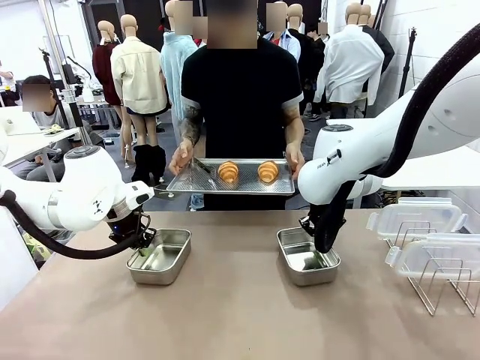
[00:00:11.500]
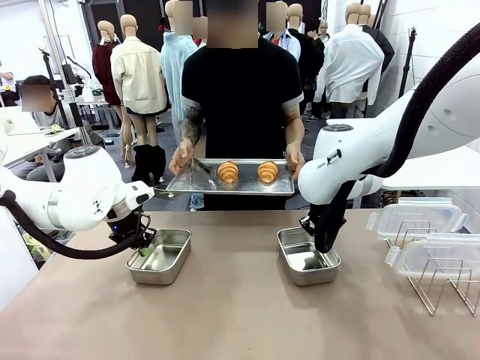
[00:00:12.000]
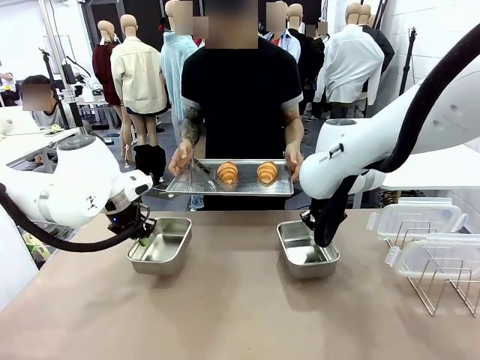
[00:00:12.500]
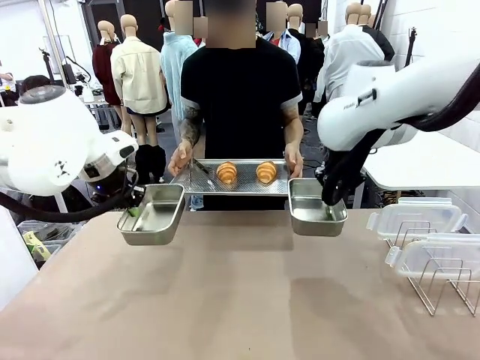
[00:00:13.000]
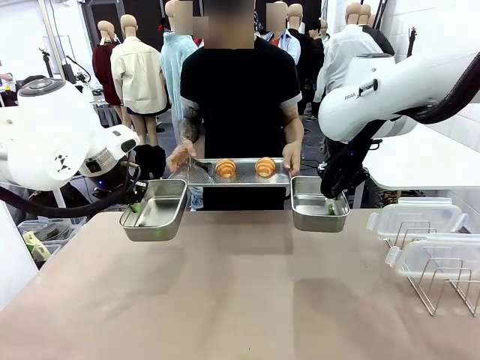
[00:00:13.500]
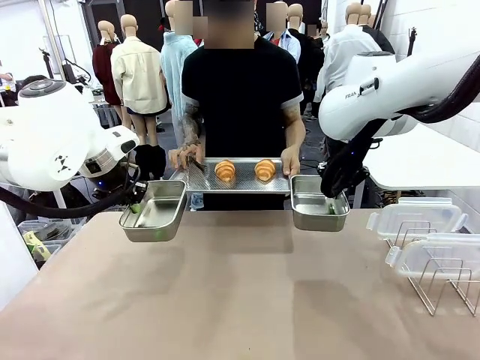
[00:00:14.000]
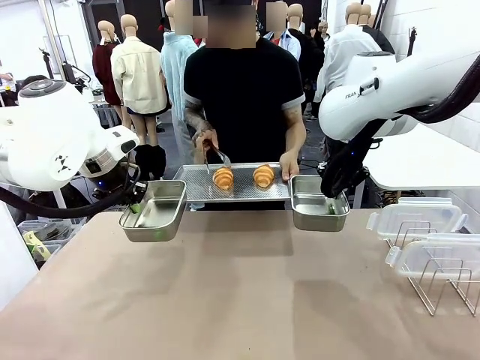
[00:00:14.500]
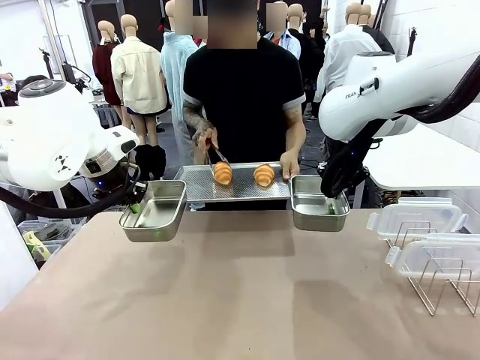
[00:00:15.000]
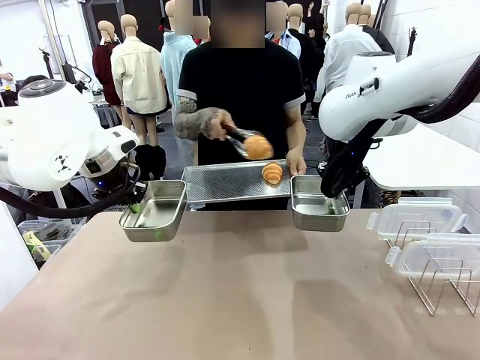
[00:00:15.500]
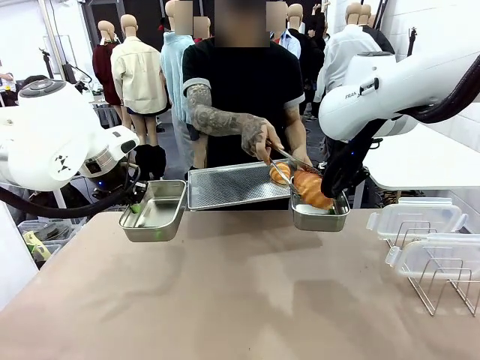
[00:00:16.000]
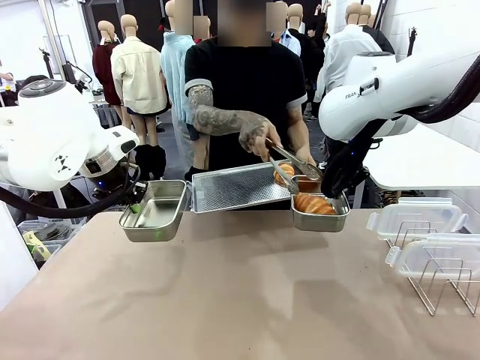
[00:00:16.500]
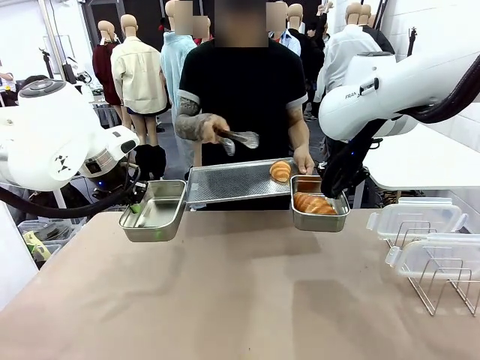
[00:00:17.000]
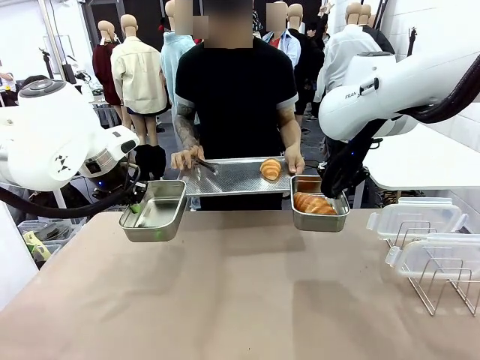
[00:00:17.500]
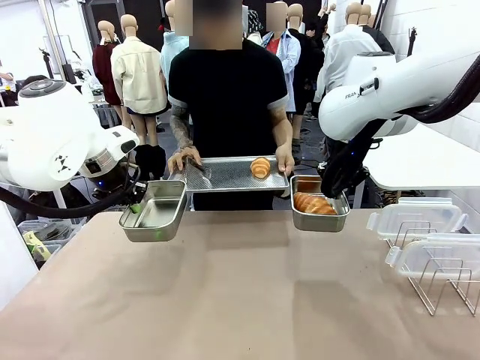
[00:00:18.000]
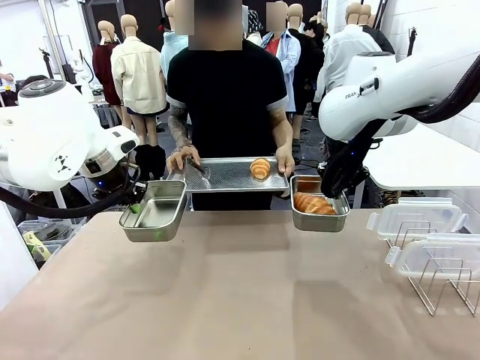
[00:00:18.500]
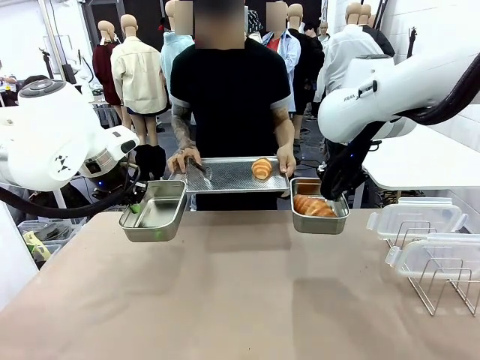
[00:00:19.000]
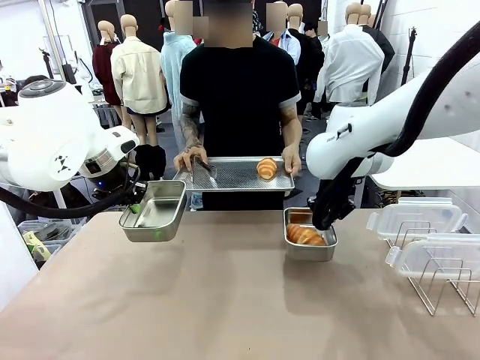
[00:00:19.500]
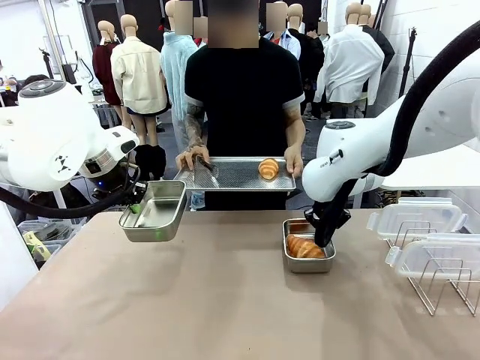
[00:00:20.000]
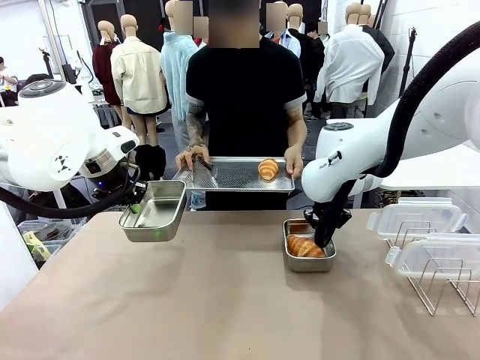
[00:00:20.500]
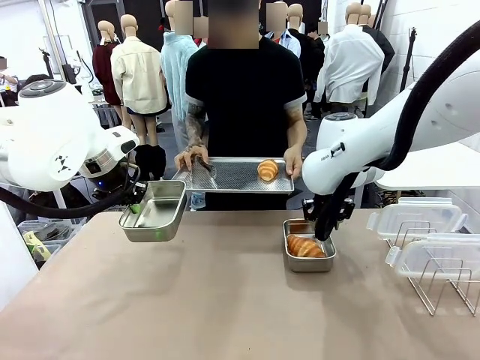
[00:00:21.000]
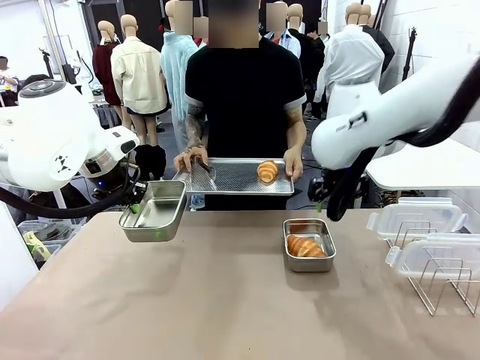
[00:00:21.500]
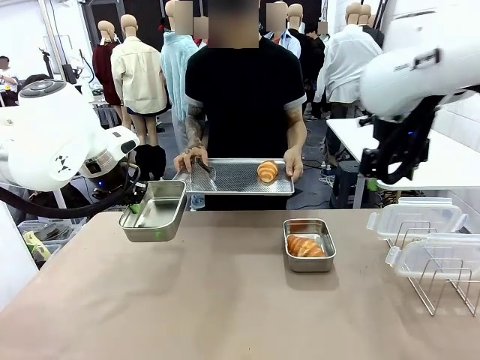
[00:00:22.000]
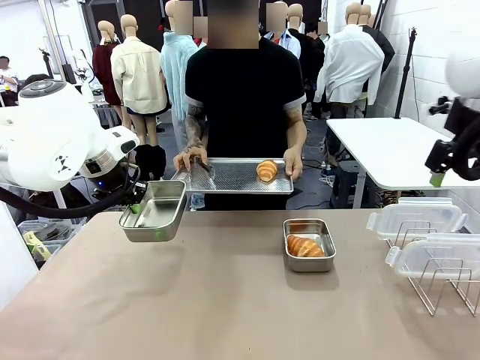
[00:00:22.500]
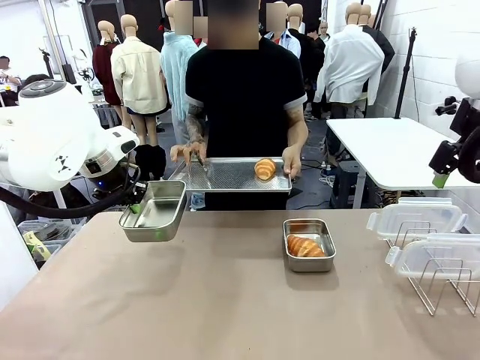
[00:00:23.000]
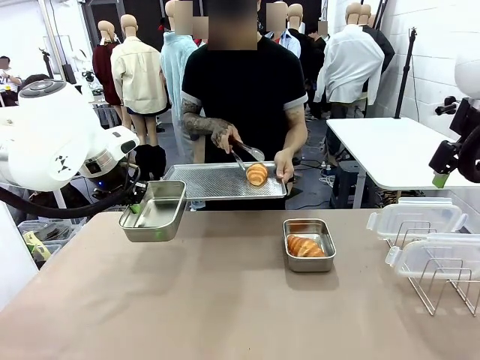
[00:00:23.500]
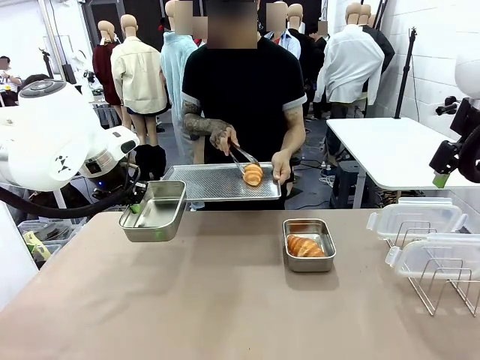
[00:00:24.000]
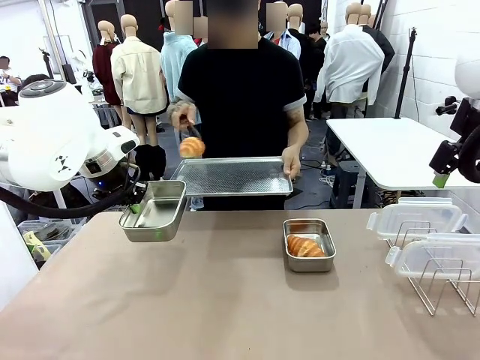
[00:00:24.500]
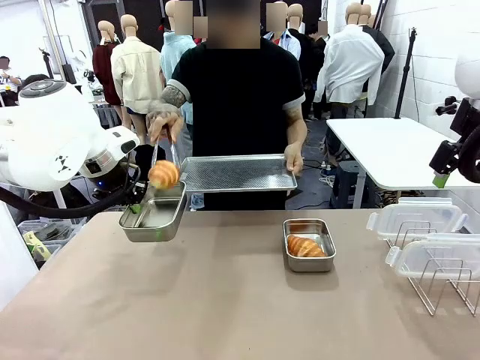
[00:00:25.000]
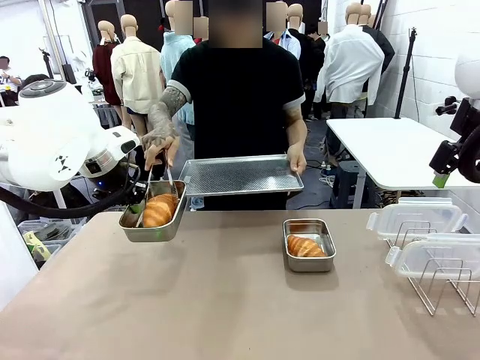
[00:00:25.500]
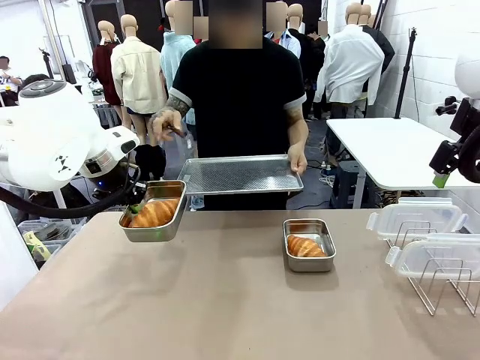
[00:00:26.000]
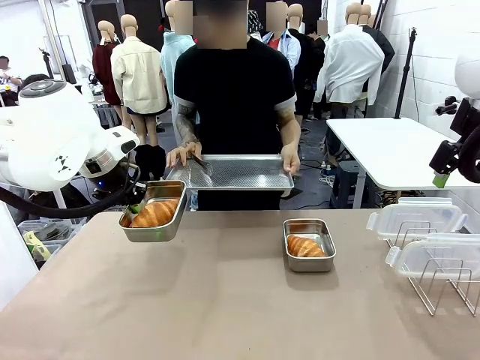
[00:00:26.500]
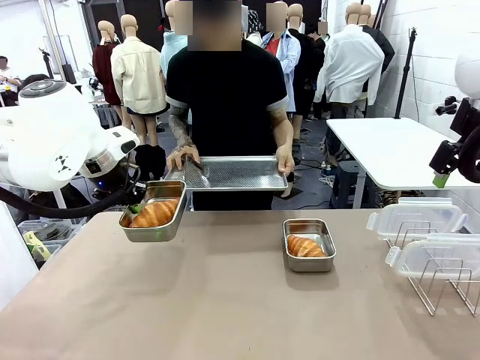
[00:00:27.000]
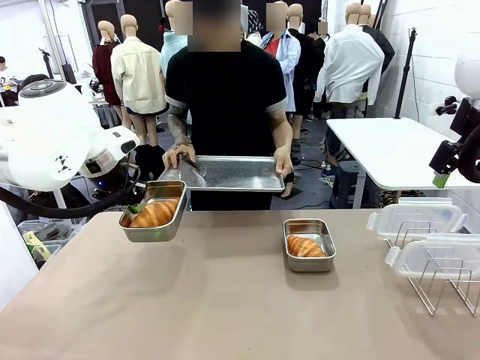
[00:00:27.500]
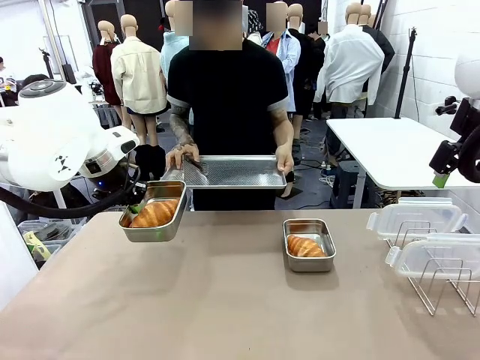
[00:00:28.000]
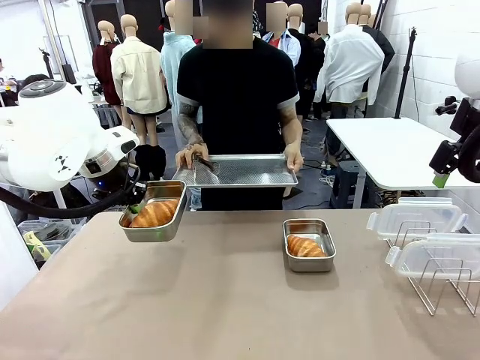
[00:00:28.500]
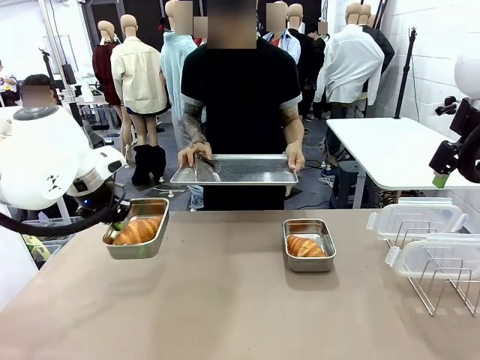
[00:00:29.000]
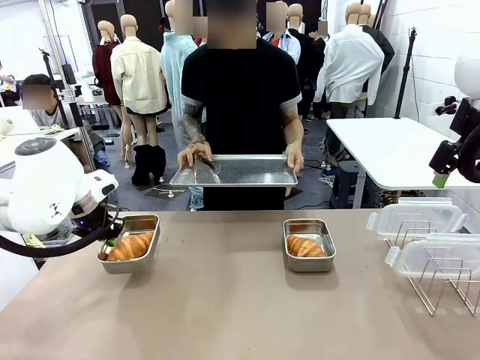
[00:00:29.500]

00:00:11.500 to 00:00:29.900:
Task: Place the bread in airtight containers.
Robot: Once an object is inside an Airtight Container , place the container in the center of the table.
Person: Use the Stainless steel tongs to place one object from Baking Sheet into one Airtight Container.

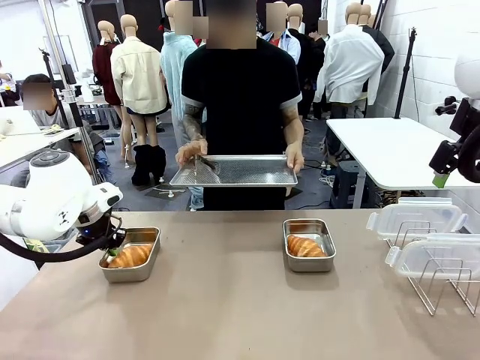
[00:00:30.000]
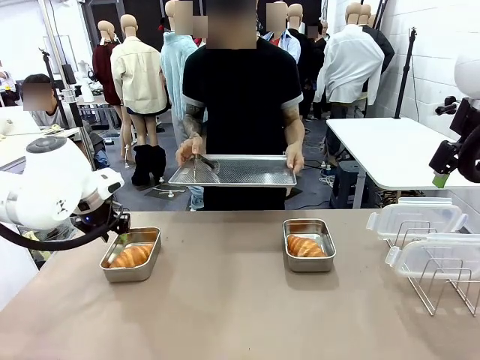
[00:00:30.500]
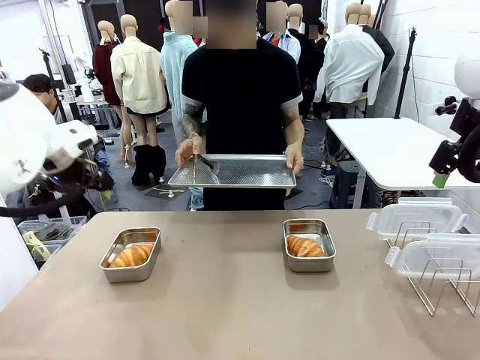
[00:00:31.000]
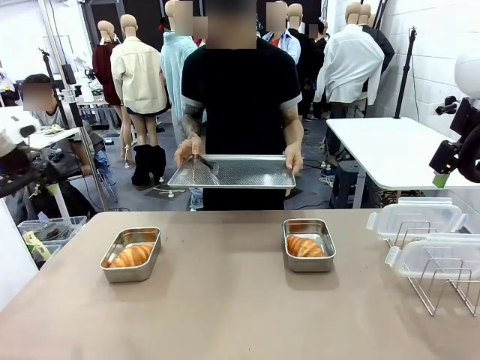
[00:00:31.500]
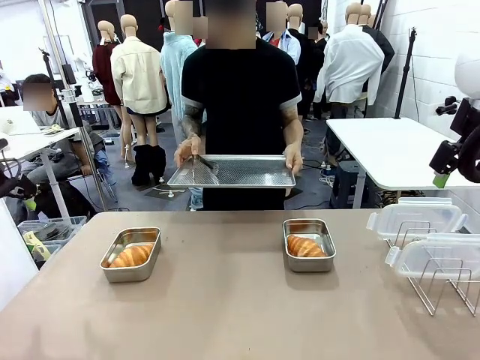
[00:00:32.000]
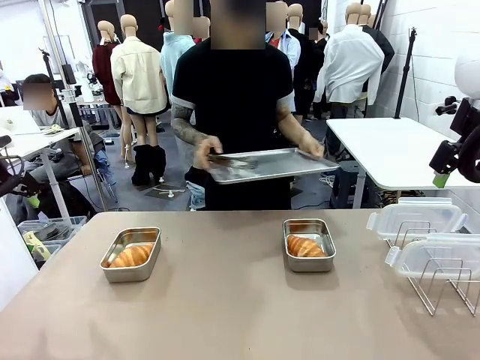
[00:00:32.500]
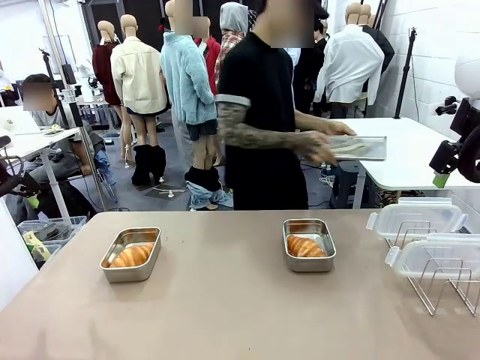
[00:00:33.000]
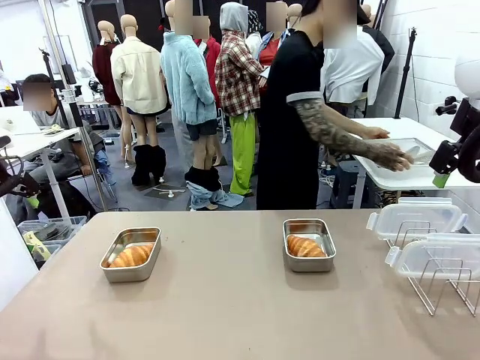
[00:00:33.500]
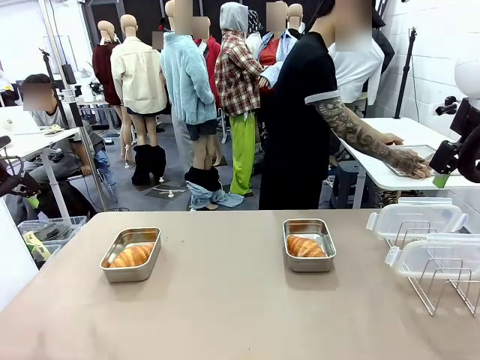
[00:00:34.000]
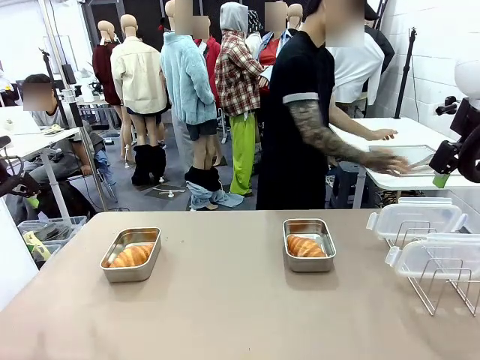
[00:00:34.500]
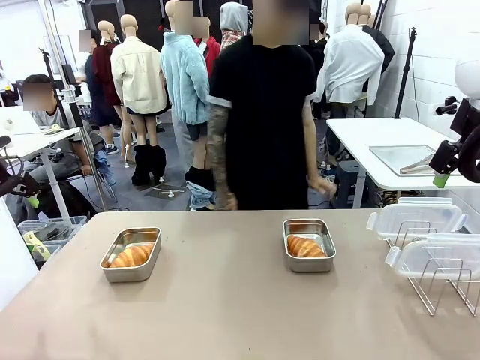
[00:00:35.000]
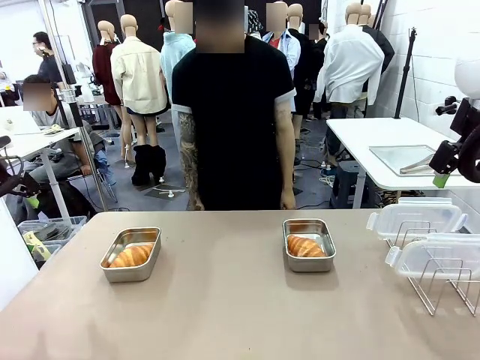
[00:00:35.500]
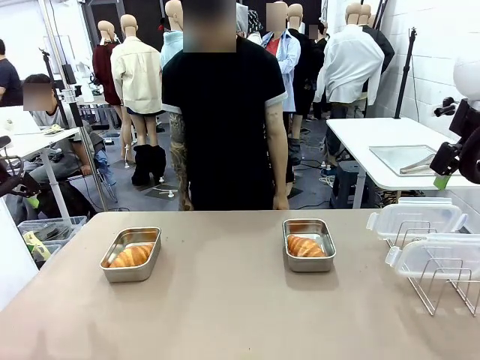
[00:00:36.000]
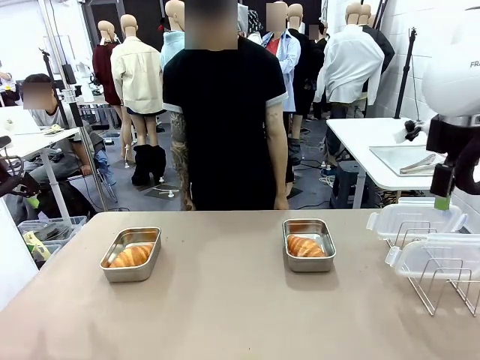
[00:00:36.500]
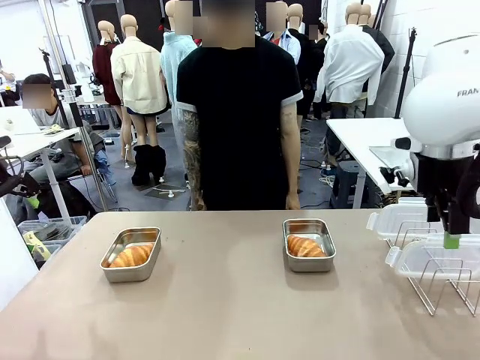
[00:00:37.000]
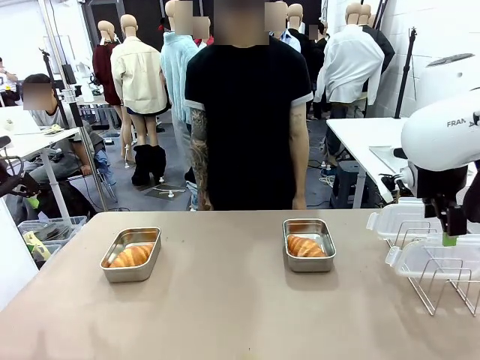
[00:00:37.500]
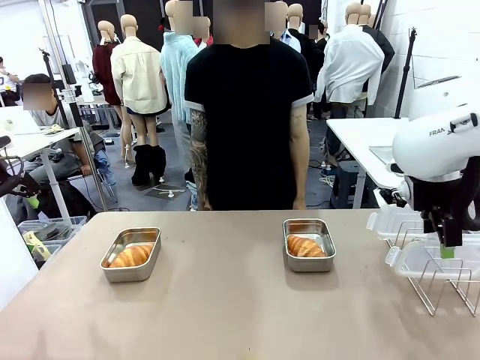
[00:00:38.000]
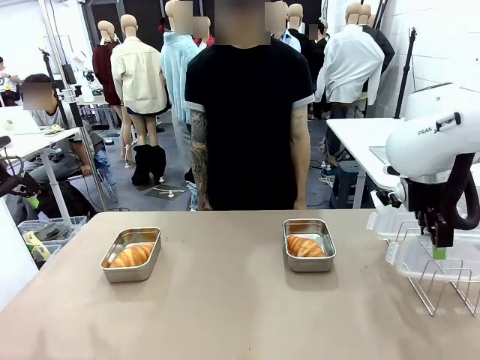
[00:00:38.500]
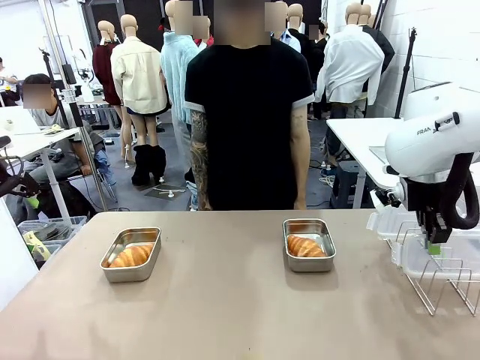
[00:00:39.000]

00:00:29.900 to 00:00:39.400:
Robot: Pick up one Airtight Container lid and hand it to the human.
Person: Place Baking Sheet on the Human's Table.

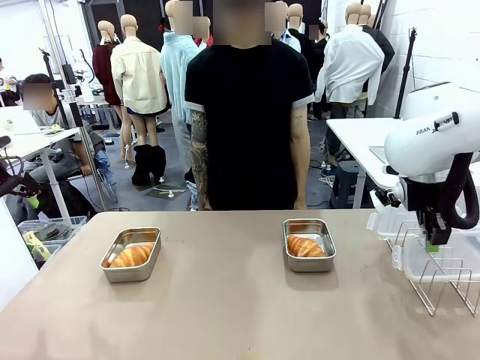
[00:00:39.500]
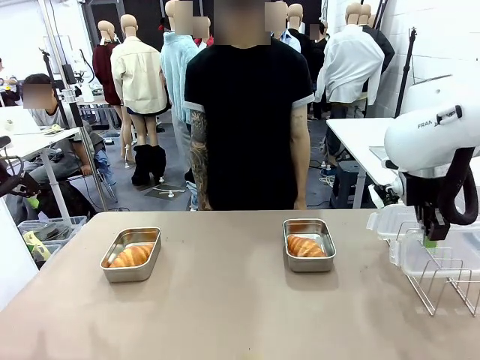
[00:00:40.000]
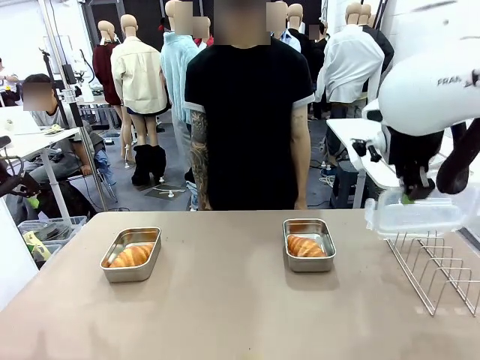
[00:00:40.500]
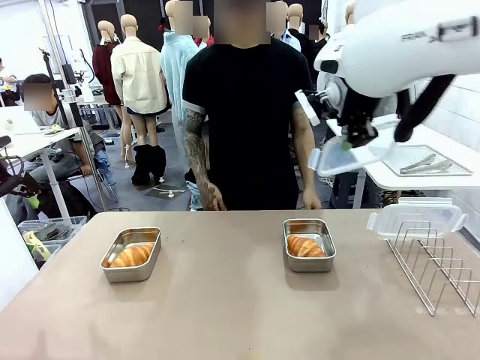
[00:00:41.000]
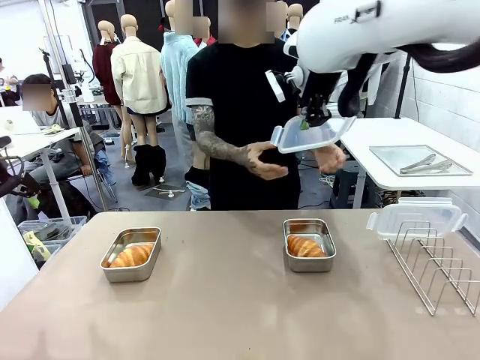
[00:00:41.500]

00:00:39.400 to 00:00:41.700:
Robot: Release when the human grabs the Airtight Container lid.
